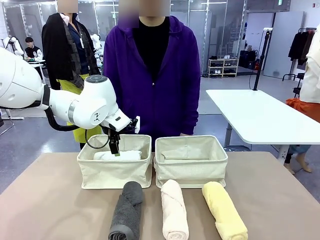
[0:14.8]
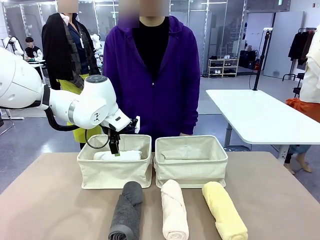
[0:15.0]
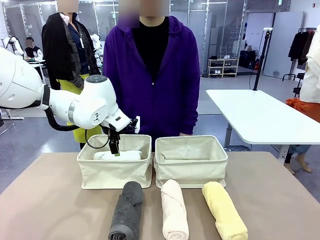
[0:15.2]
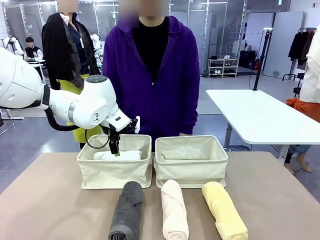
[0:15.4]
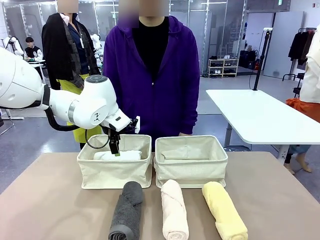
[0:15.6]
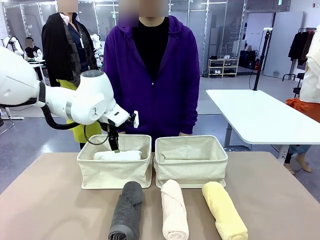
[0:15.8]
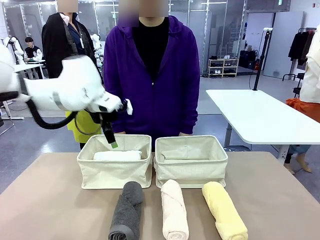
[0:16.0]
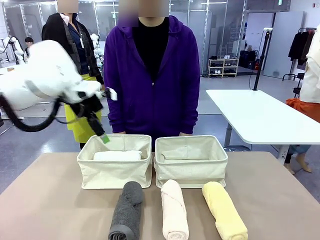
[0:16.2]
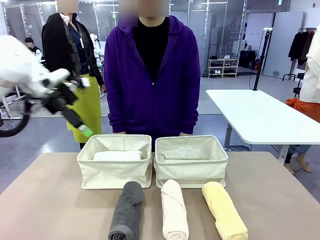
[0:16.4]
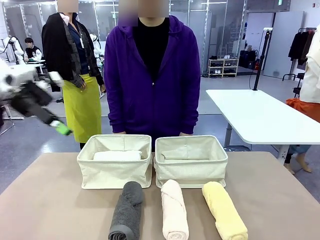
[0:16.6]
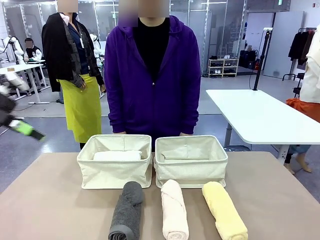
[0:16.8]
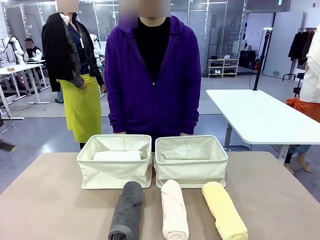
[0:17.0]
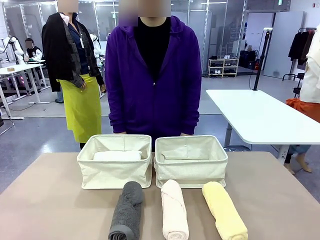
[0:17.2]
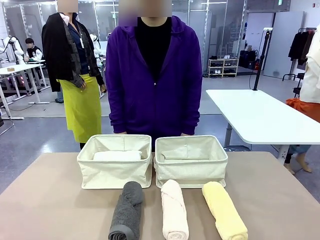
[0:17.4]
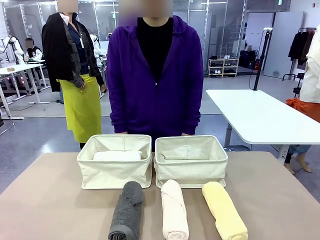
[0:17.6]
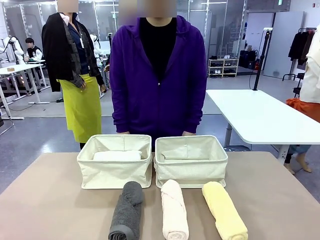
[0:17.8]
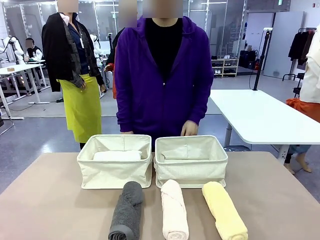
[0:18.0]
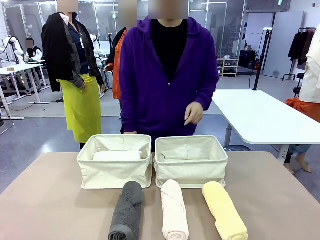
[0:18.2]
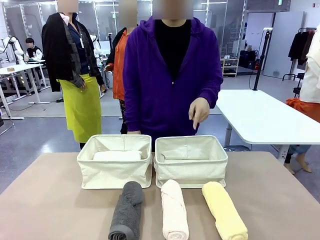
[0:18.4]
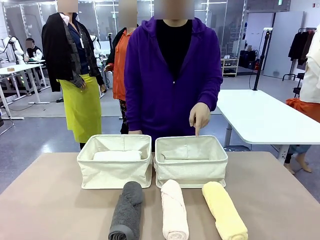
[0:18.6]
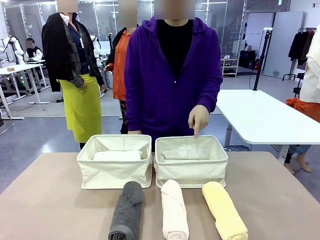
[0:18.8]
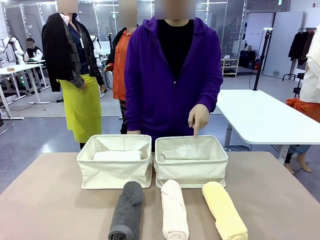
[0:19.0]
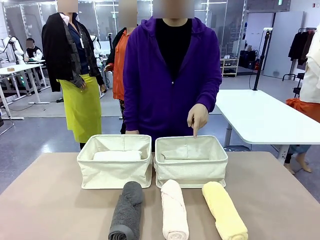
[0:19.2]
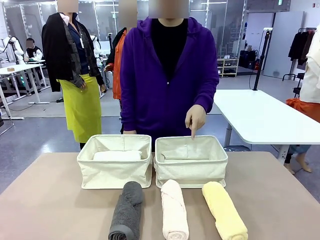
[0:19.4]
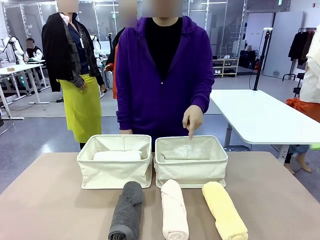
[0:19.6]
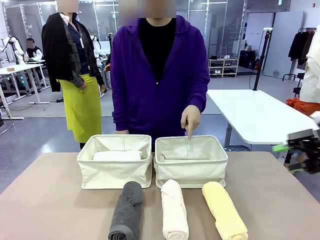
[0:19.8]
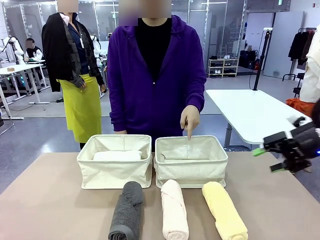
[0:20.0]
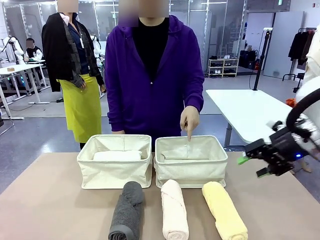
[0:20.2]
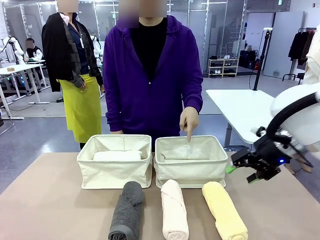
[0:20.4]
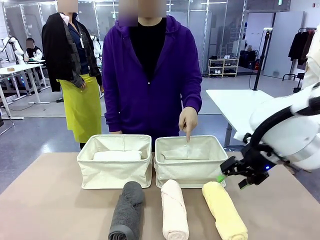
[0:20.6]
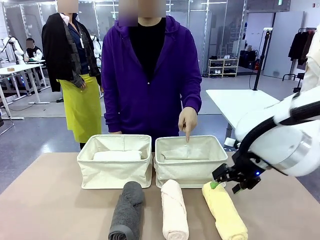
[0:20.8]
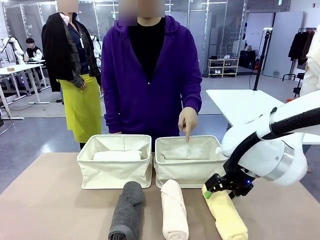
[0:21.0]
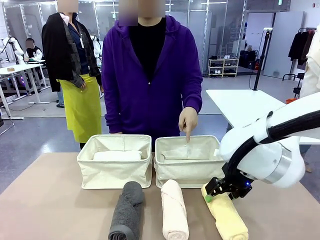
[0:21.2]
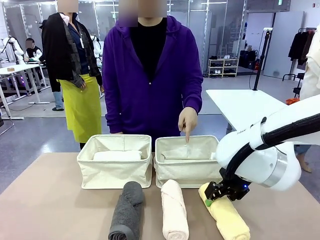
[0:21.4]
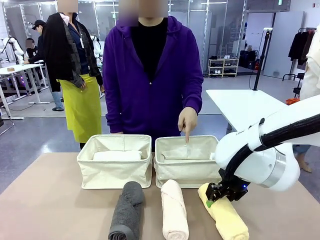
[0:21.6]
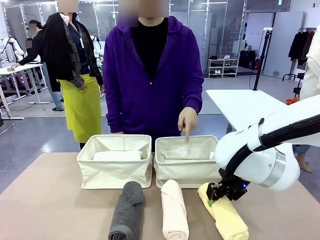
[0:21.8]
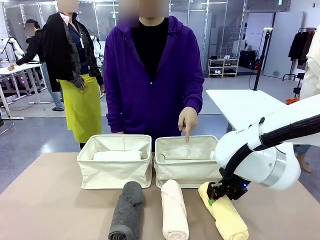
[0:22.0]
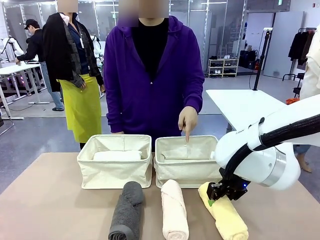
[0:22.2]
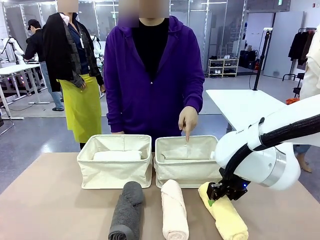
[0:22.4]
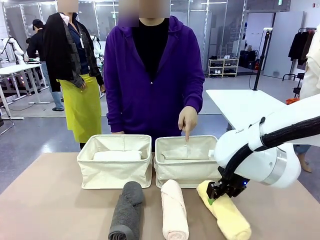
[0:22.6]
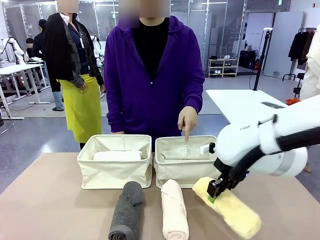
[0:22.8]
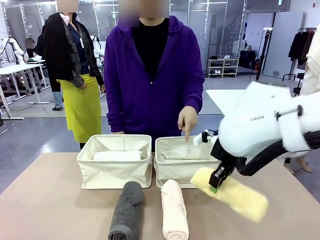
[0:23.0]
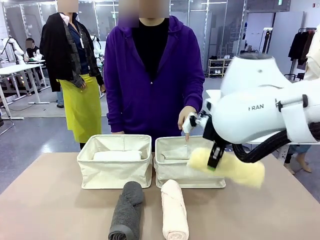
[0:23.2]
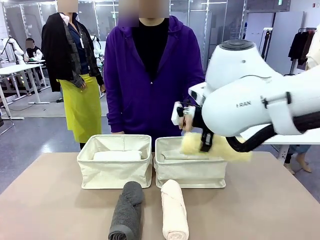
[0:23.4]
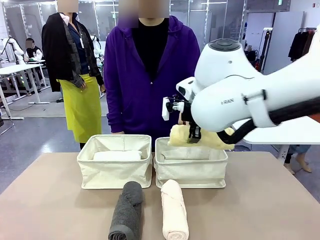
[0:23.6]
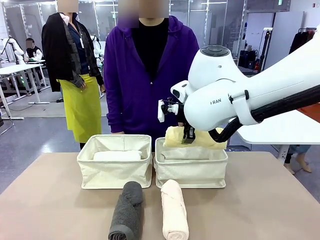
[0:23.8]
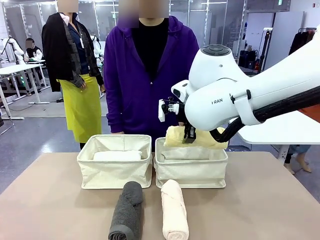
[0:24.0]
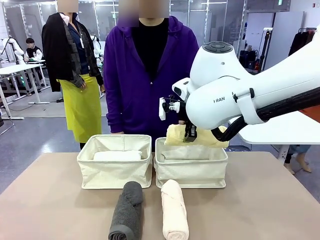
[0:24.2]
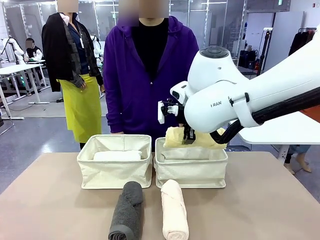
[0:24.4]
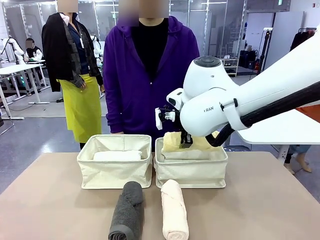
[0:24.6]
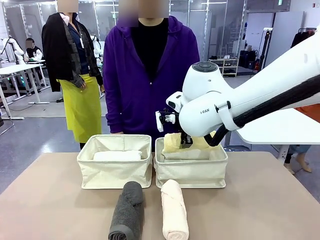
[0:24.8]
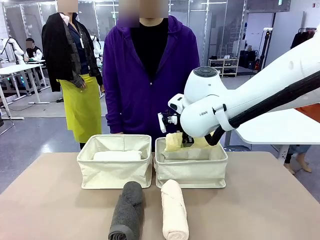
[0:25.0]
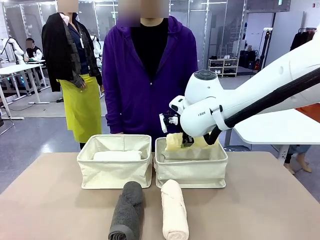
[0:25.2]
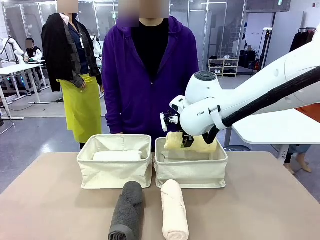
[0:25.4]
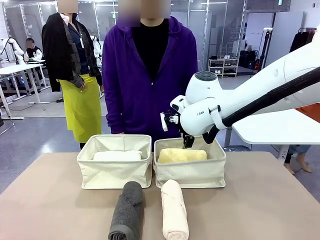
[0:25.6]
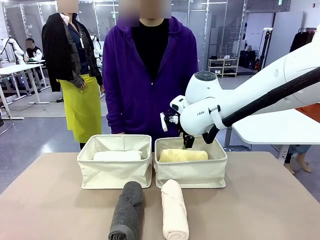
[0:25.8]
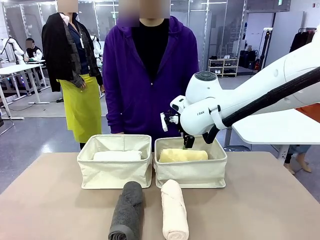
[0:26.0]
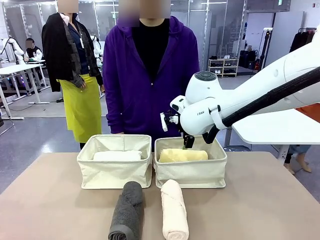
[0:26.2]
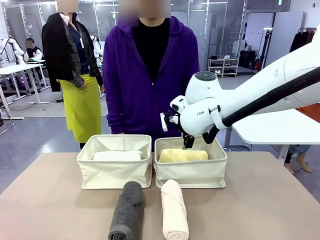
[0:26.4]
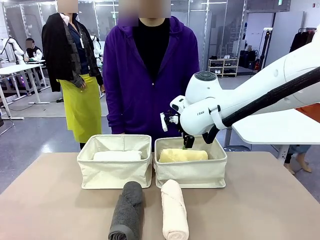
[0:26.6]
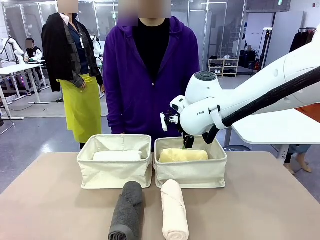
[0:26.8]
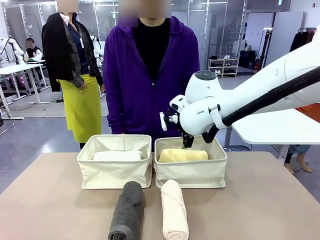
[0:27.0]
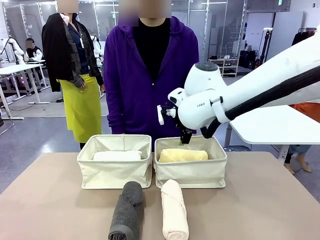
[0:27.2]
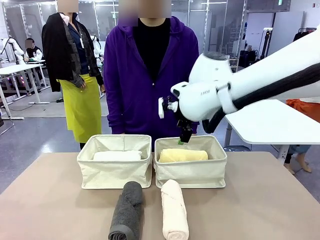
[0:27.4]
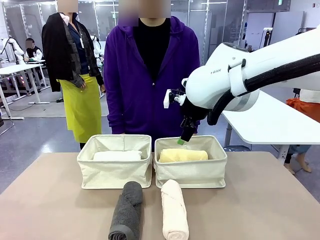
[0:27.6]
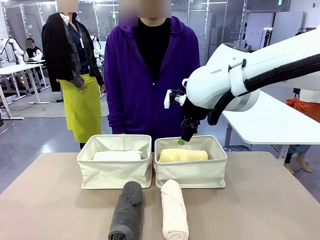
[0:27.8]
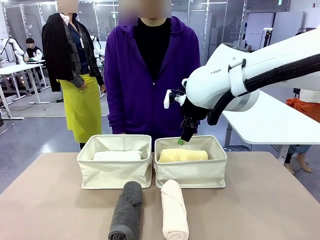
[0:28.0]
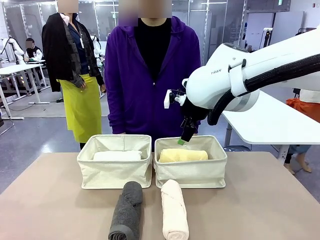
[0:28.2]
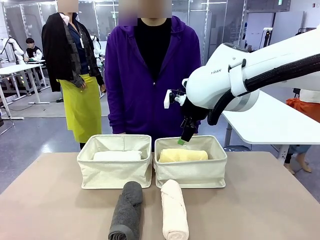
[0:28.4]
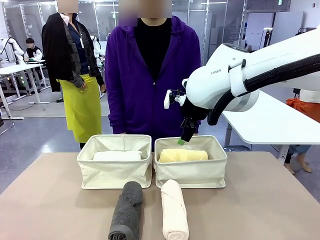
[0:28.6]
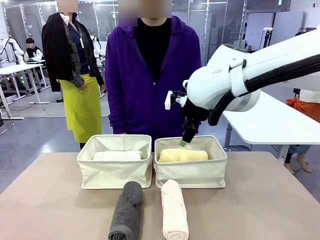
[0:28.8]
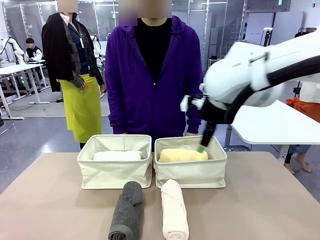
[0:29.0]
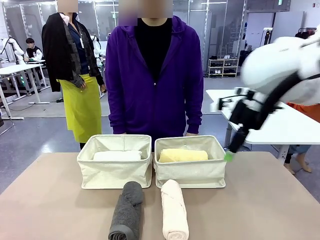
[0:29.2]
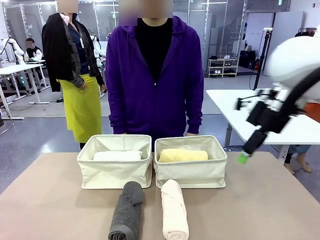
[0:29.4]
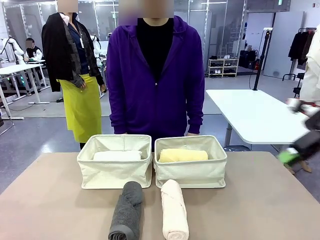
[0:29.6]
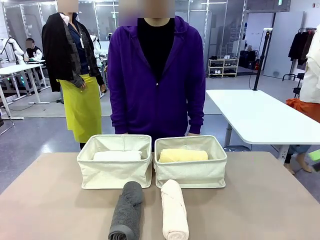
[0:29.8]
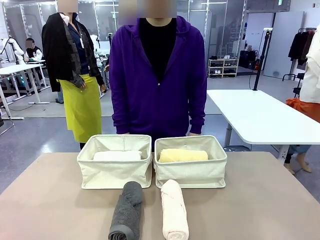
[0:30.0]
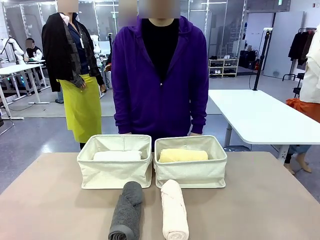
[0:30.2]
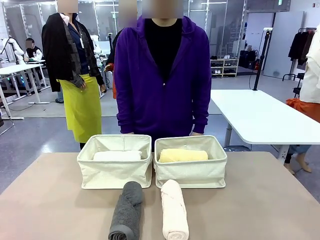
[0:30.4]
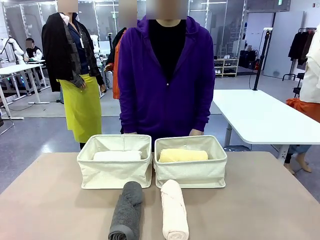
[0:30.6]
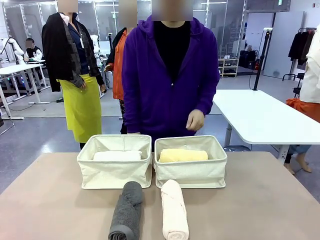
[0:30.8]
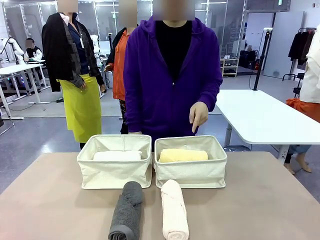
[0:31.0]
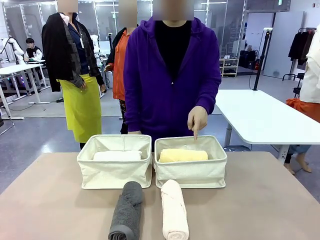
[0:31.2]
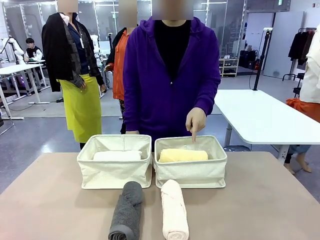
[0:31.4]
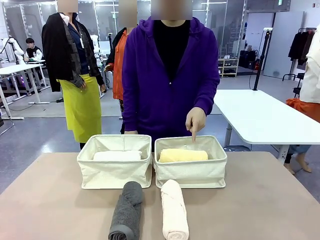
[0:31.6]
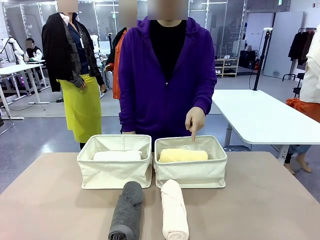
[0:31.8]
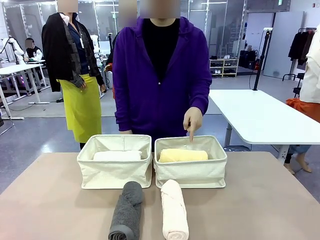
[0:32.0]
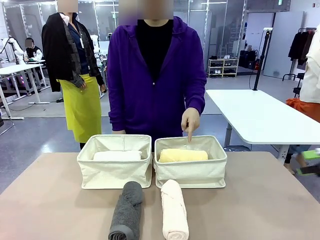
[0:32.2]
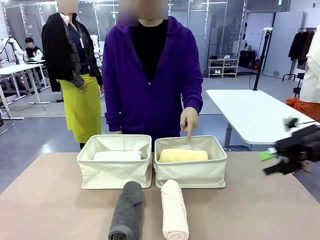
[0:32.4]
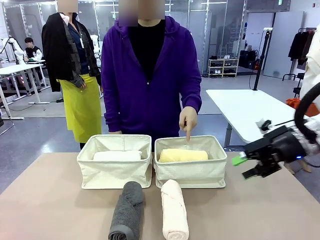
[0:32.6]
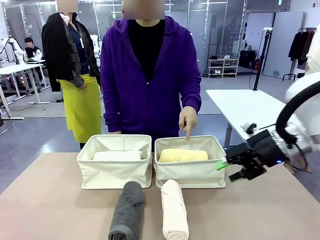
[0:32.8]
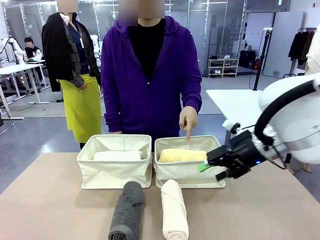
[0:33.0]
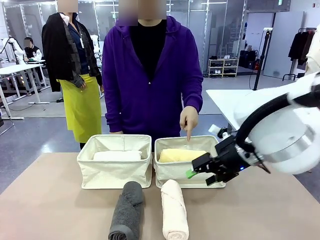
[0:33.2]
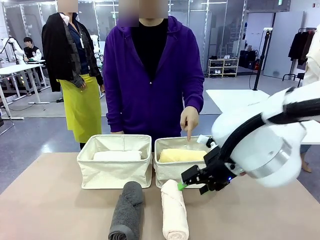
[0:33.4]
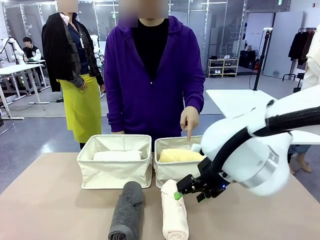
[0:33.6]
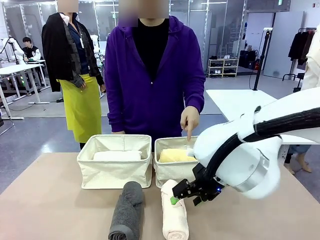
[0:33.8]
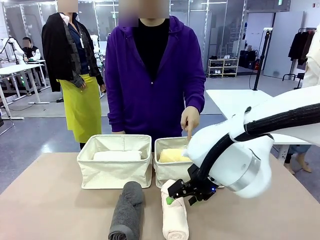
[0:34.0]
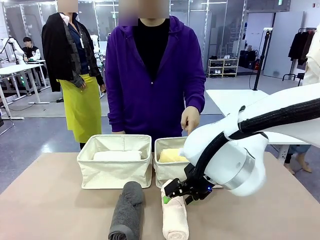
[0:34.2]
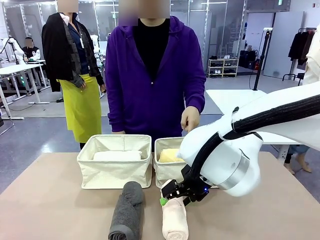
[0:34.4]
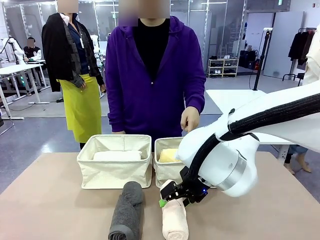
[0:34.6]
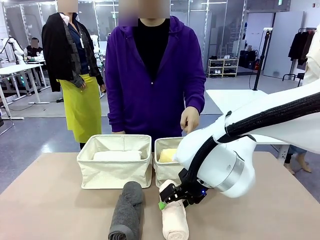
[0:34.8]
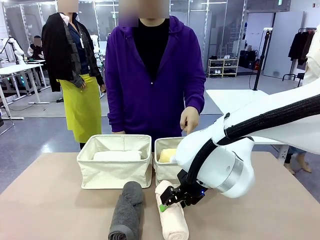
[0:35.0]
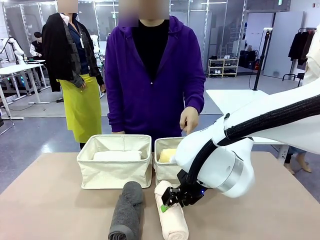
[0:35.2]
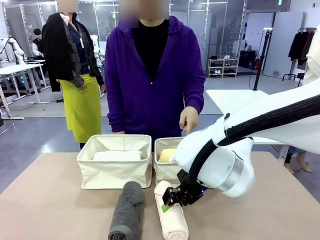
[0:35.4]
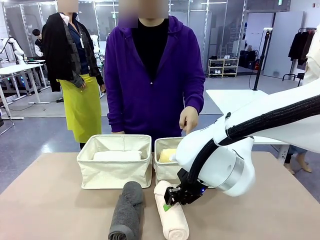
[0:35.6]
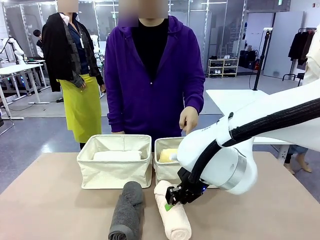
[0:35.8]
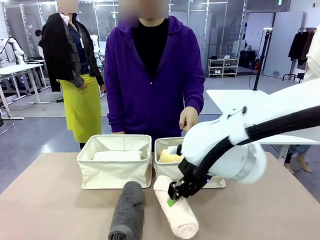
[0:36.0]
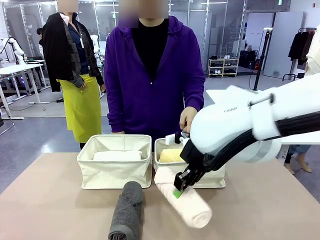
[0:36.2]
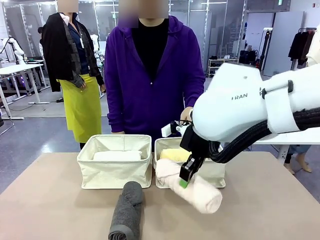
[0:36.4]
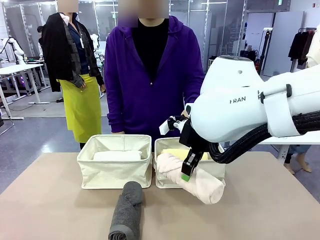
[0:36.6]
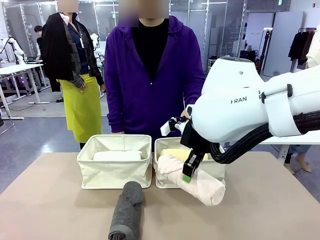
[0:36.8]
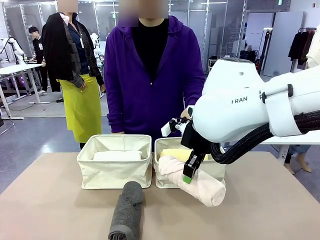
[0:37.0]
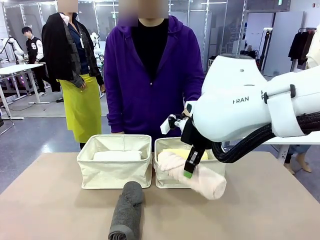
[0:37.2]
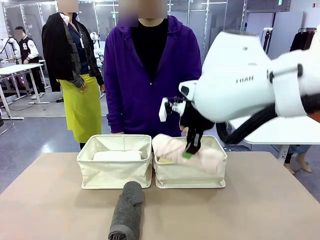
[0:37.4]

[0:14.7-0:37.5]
Task: Divide the towels into two baskets.
Robot: Pick up one hotel-folded towel from the bottom of the table and place it in the Fabric basket indicated by the person.
